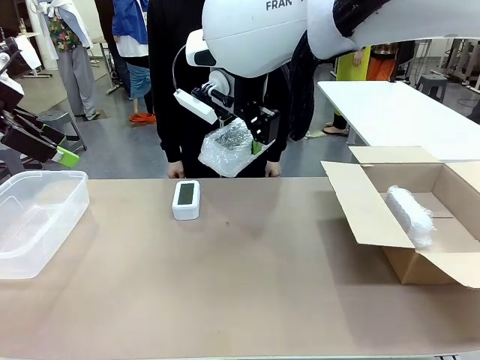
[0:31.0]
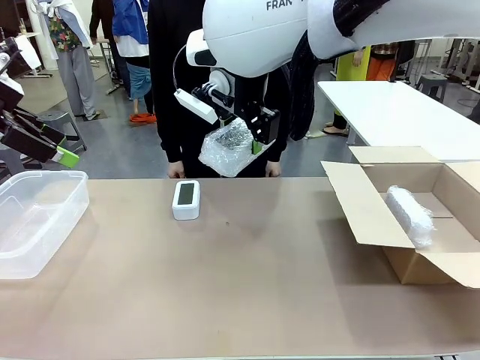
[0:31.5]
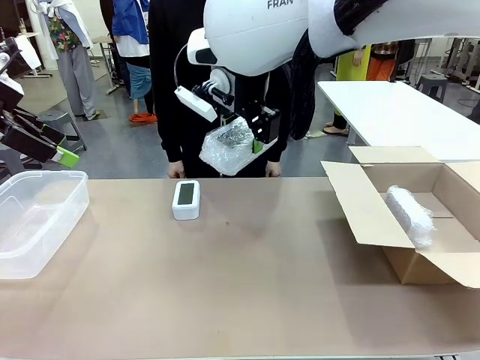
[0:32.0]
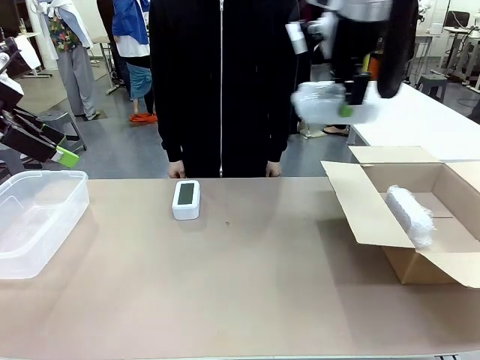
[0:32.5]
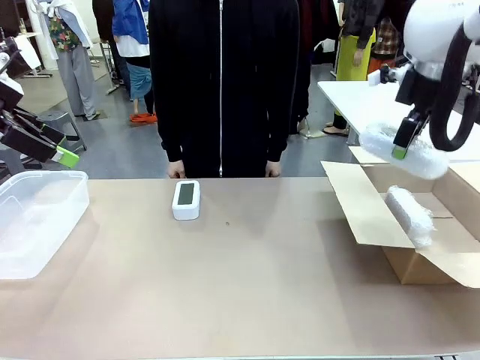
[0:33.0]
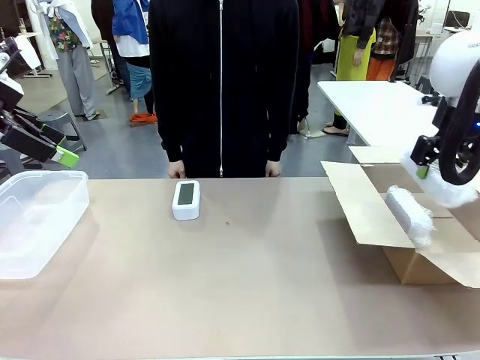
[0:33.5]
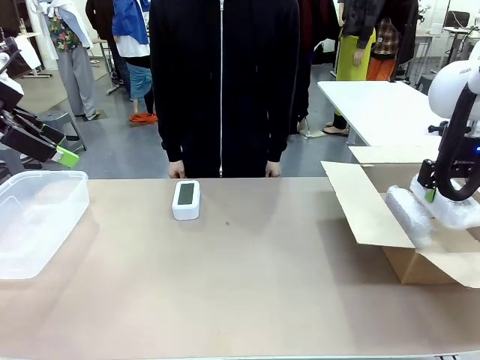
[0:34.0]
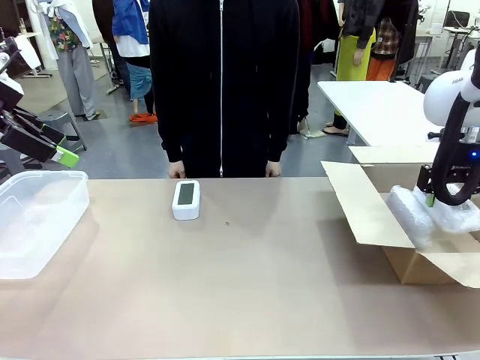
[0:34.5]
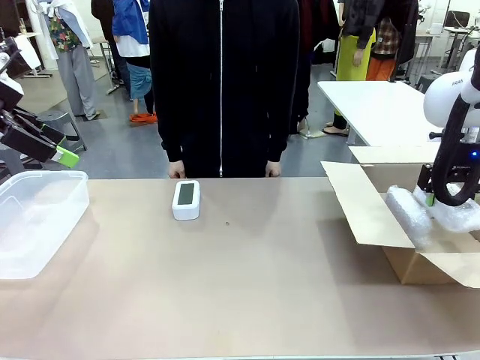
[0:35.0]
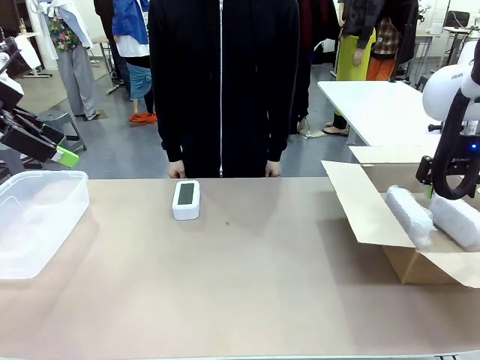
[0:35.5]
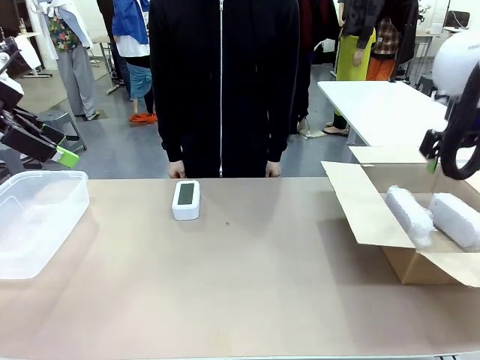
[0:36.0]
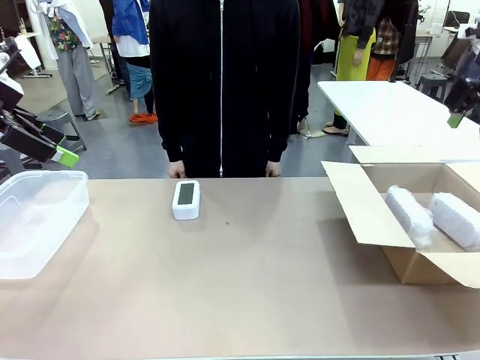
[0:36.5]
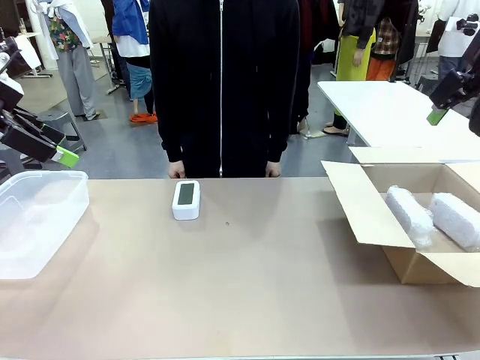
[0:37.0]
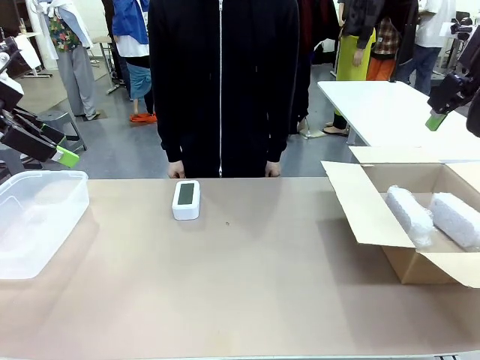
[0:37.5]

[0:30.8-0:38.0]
Task: Separate and place wrapped and unwrapped clocks.
Robot: If the picked Digital clock is wrapped, place it in the Package Box ; if not, place it in the Organizing box.

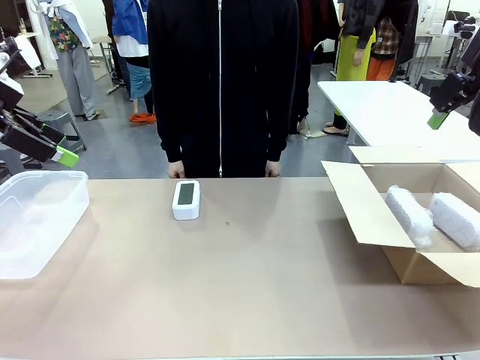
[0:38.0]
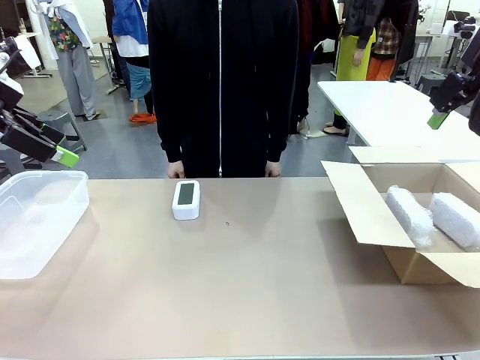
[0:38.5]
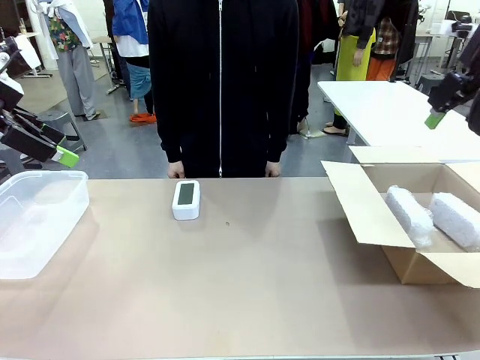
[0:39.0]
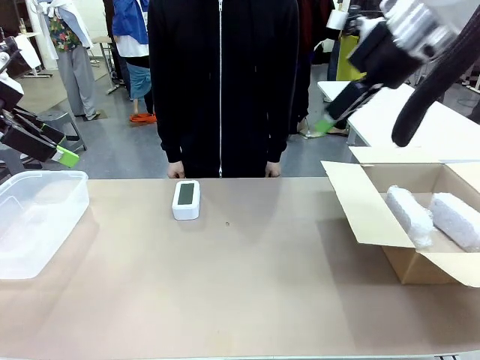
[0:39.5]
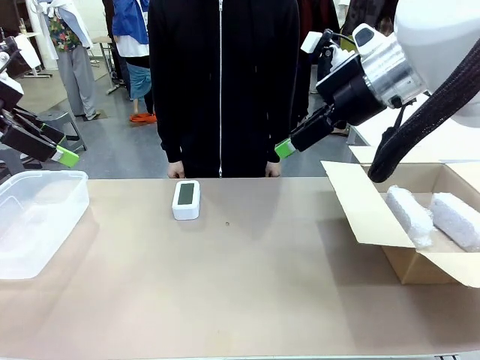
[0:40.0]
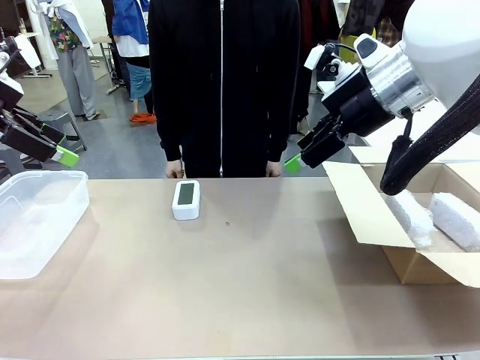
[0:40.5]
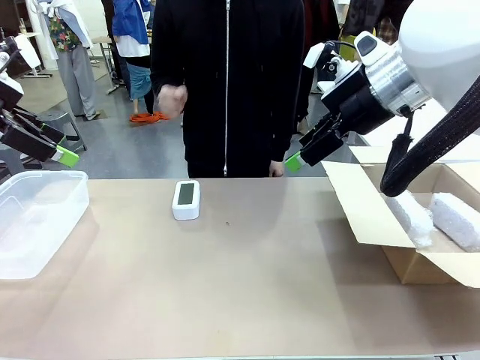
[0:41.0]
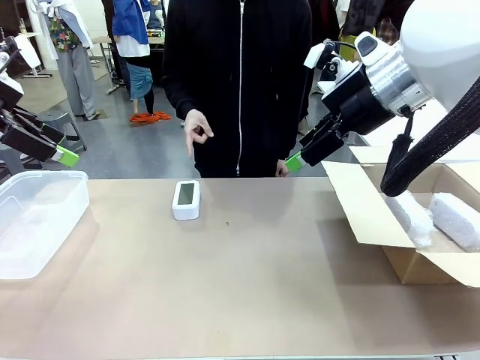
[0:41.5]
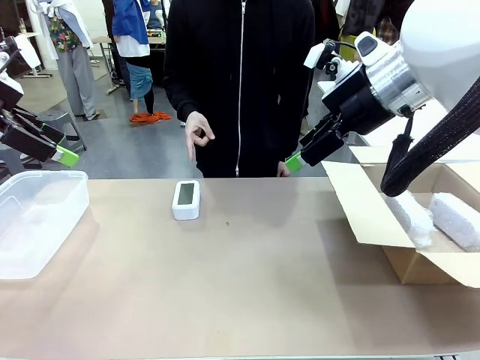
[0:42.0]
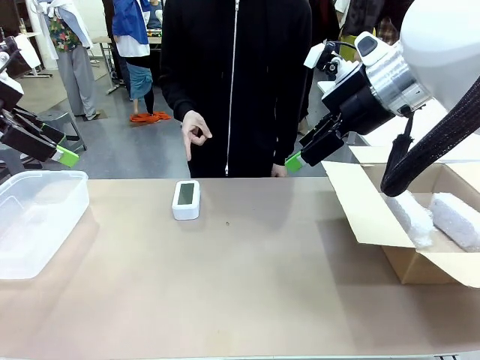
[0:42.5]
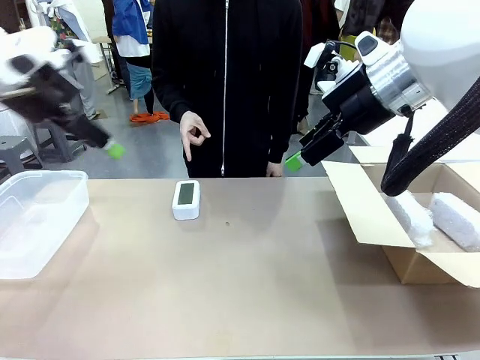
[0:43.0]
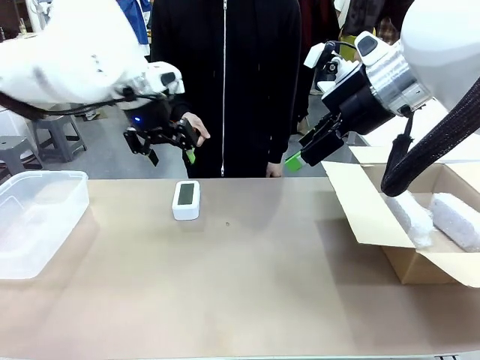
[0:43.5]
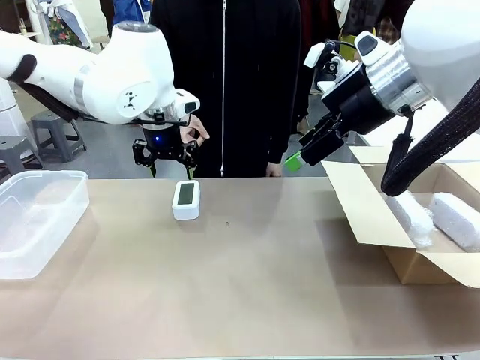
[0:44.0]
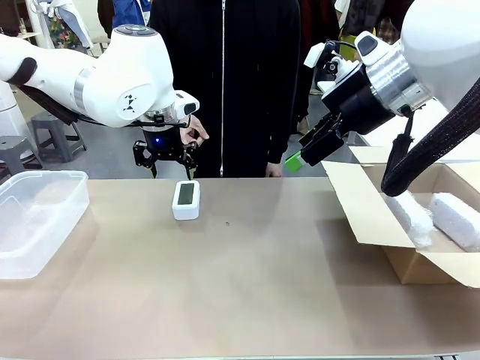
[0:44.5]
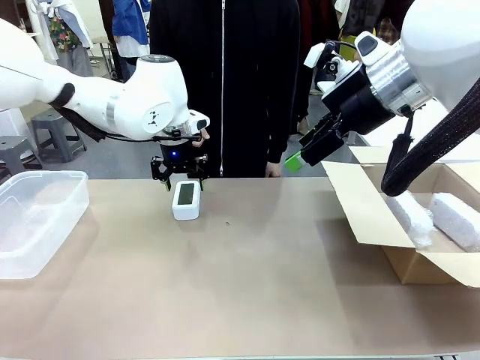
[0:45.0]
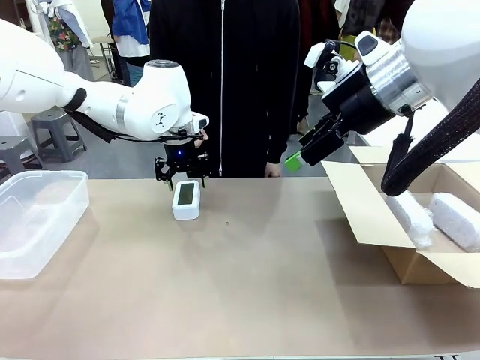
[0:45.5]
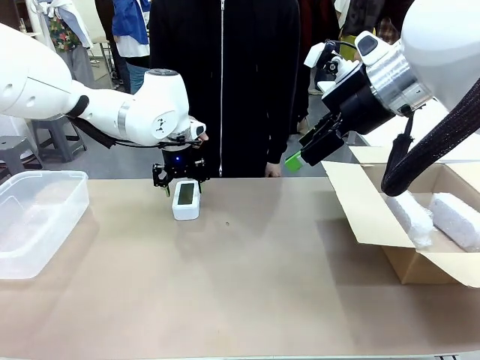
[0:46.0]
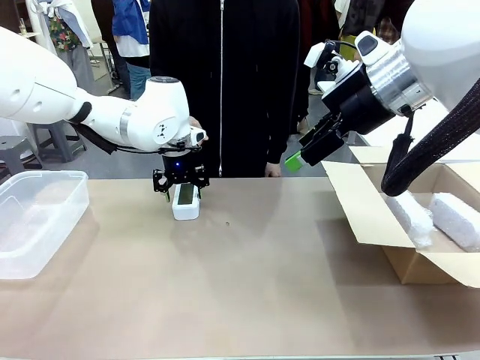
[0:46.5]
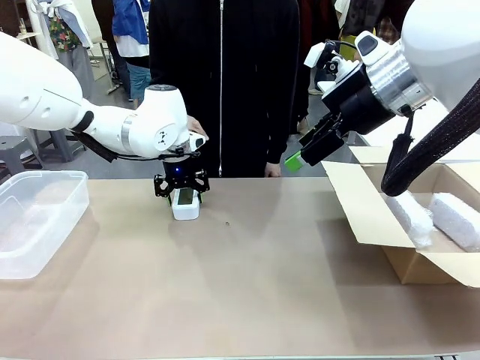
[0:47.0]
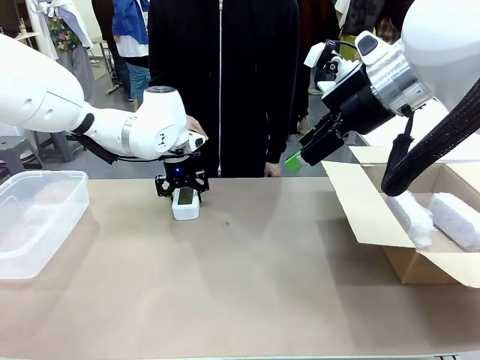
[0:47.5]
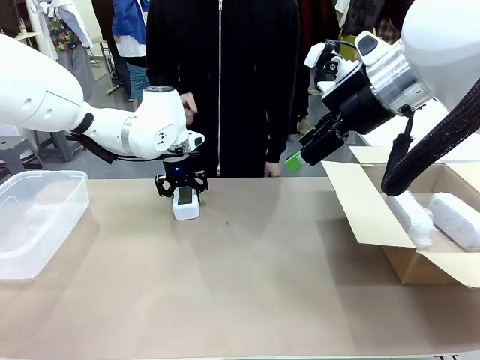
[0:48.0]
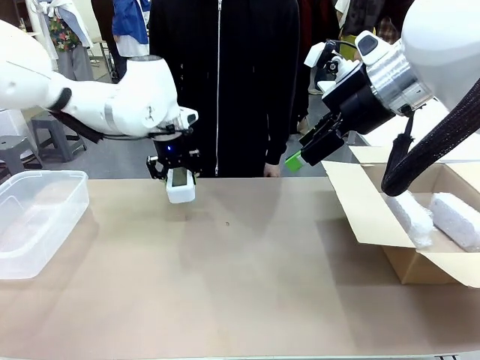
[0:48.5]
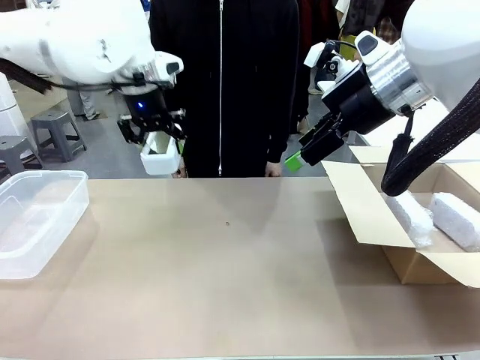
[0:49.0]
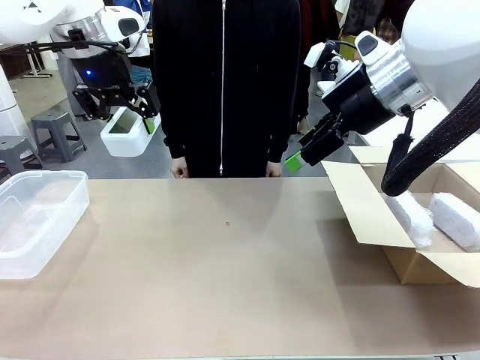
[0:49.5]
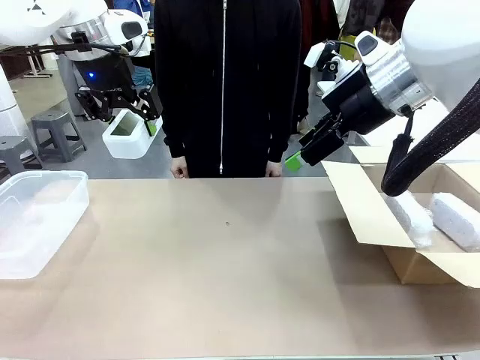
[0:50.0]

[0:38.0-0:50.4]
Robot: Pick up the Digital clock indicated by the person.

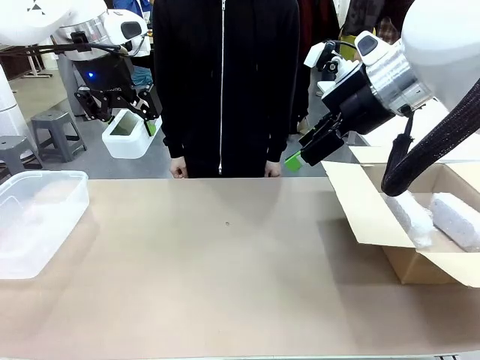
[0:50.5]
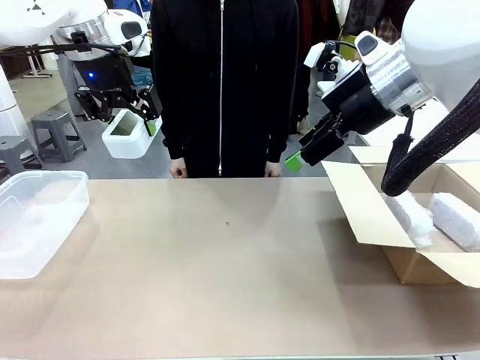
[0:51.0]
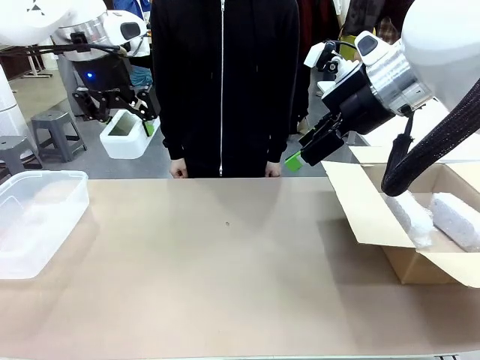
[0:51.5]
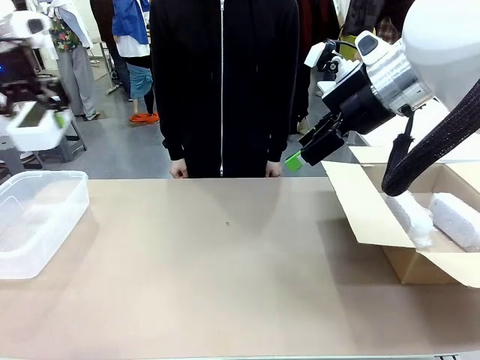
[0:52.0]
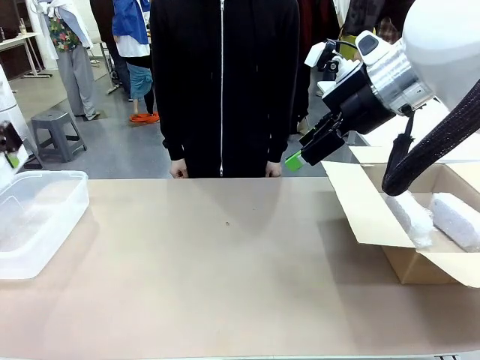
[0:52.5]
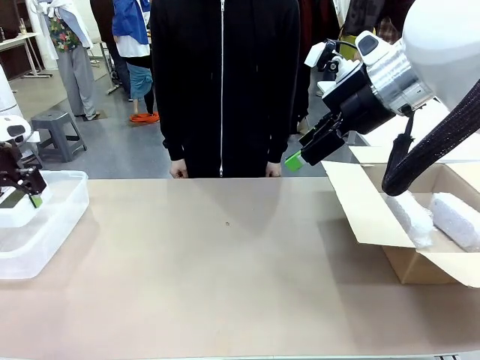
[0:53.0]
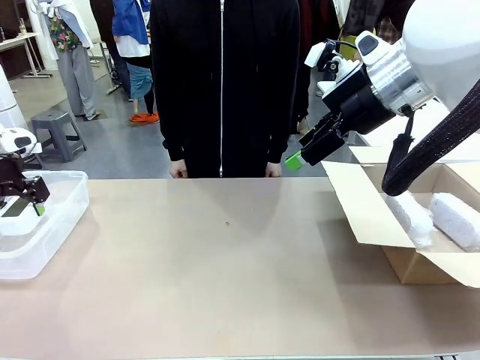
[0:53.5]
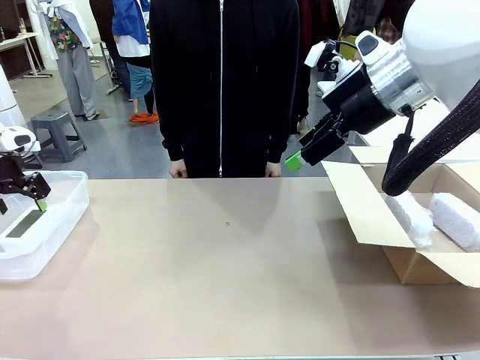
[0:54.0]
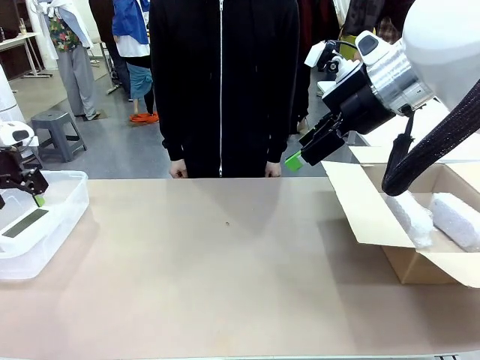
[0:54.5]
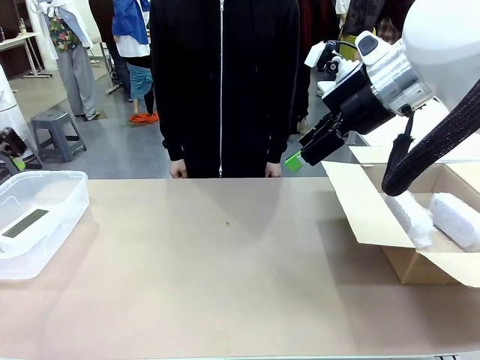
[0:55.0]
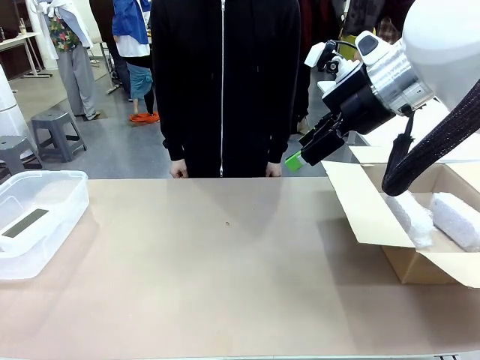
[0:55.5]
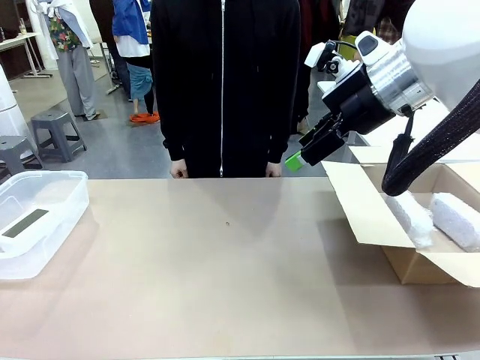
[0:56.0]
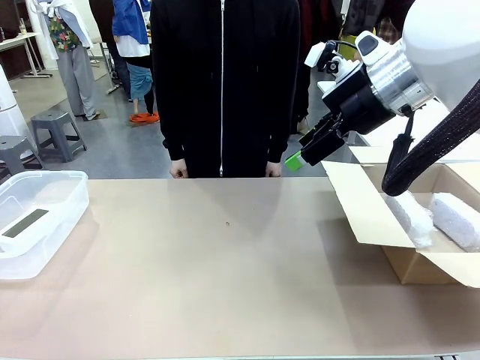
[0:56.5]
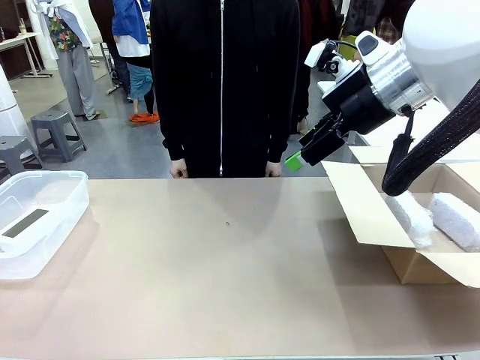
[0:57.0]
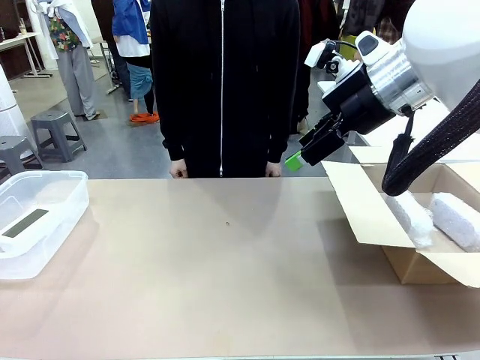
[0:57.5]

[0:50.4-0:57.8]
Robot: If the picked Digital clock is wrapped, place it in the Package Box ; if not, place it in the Organizing box.
